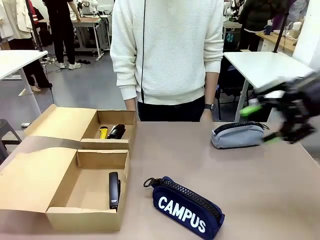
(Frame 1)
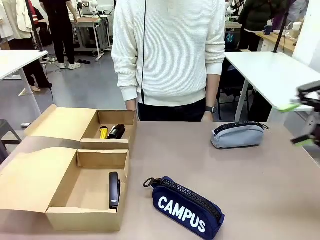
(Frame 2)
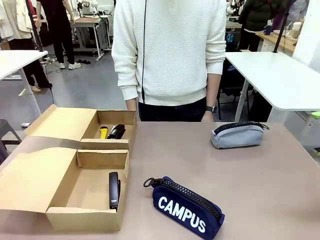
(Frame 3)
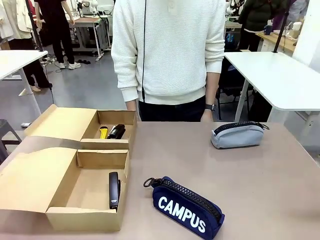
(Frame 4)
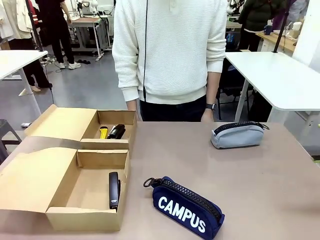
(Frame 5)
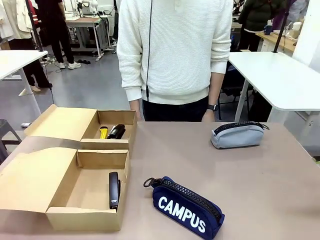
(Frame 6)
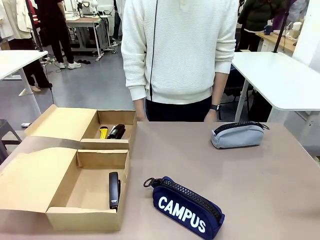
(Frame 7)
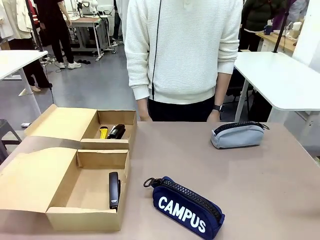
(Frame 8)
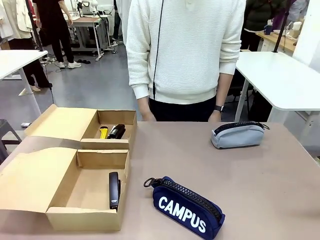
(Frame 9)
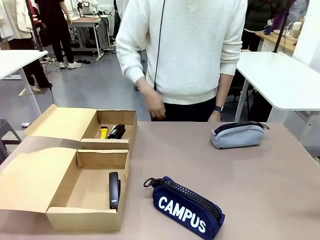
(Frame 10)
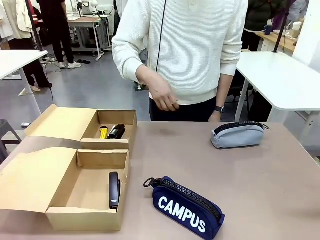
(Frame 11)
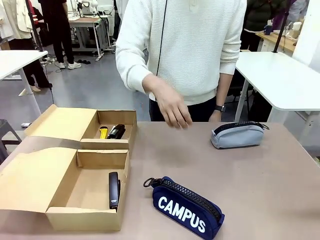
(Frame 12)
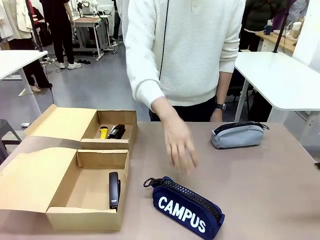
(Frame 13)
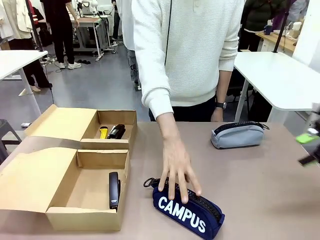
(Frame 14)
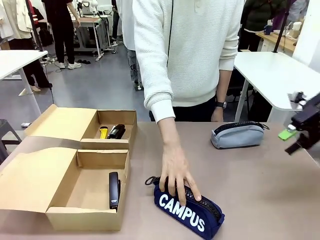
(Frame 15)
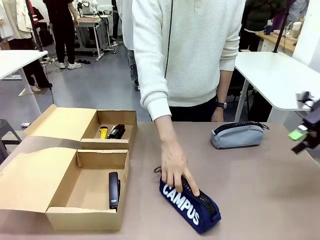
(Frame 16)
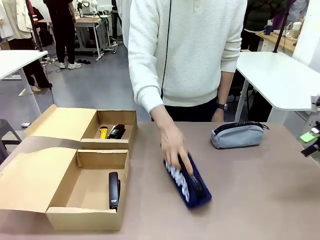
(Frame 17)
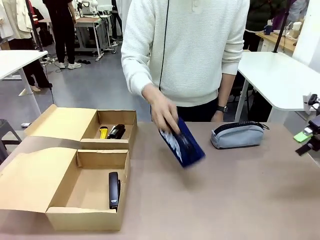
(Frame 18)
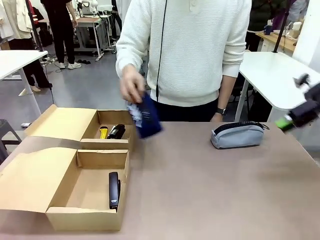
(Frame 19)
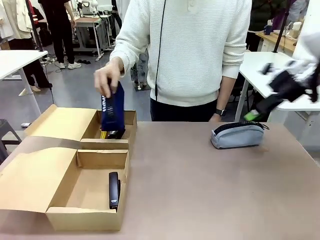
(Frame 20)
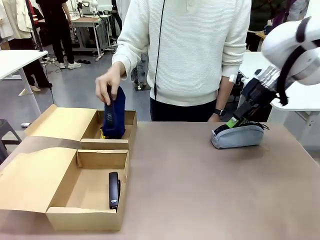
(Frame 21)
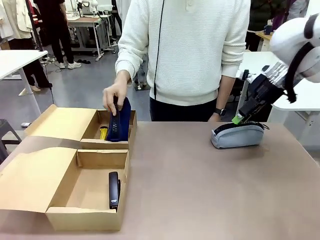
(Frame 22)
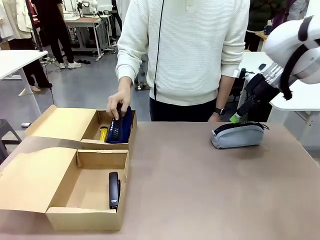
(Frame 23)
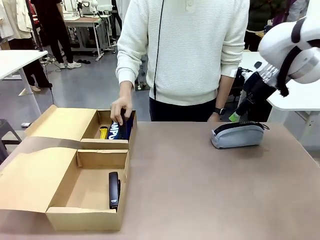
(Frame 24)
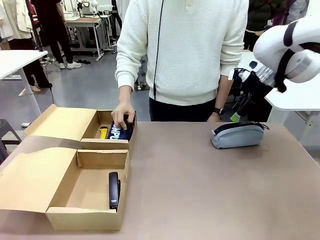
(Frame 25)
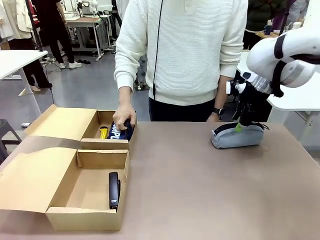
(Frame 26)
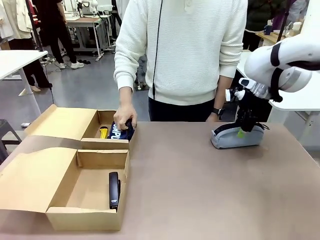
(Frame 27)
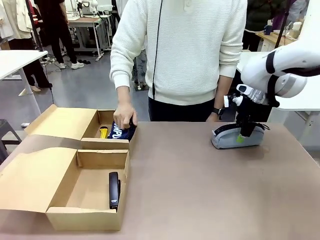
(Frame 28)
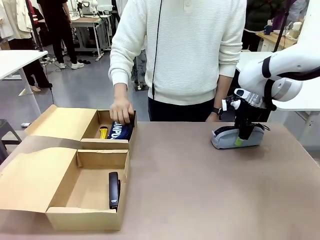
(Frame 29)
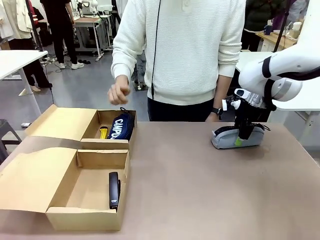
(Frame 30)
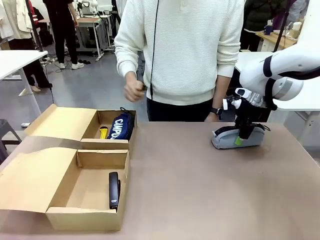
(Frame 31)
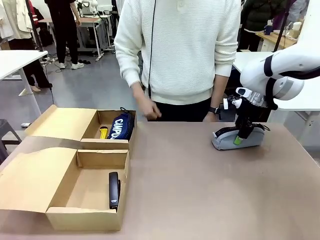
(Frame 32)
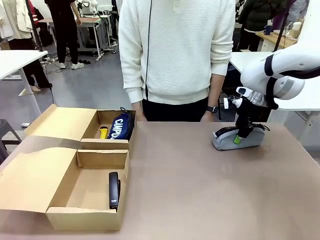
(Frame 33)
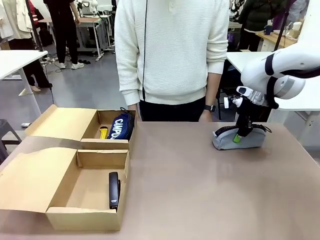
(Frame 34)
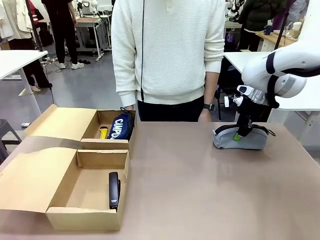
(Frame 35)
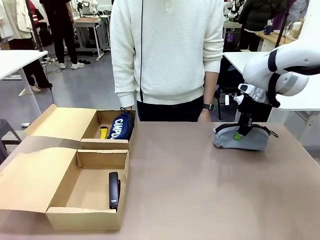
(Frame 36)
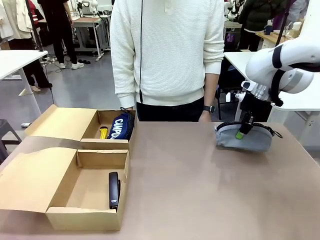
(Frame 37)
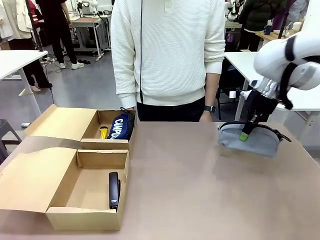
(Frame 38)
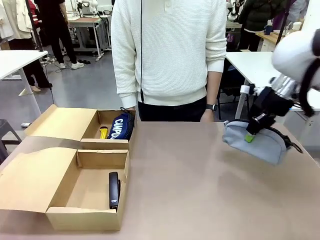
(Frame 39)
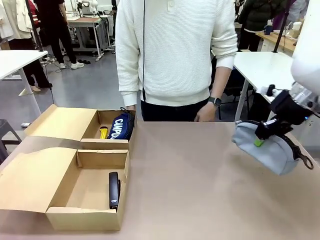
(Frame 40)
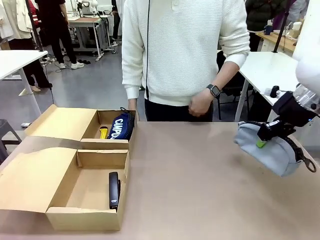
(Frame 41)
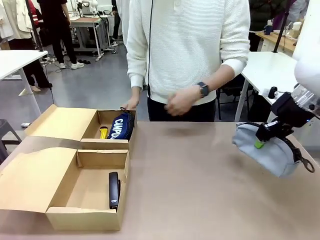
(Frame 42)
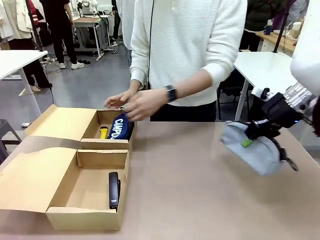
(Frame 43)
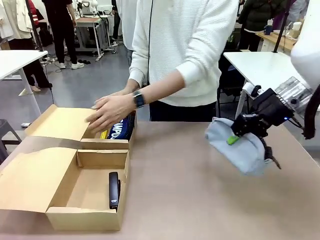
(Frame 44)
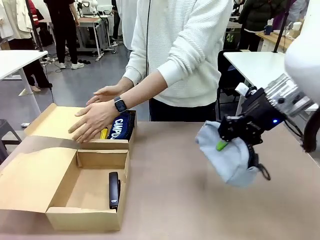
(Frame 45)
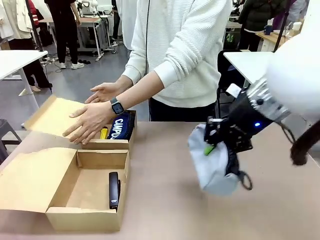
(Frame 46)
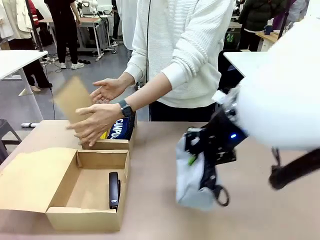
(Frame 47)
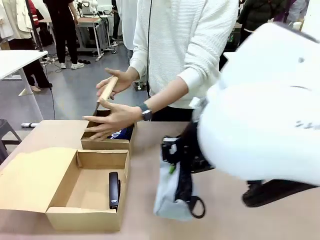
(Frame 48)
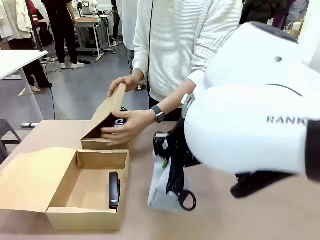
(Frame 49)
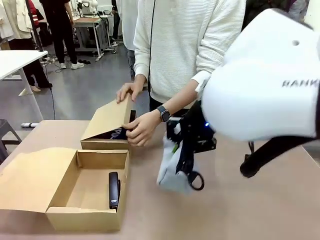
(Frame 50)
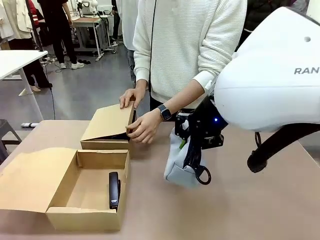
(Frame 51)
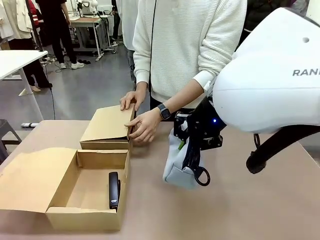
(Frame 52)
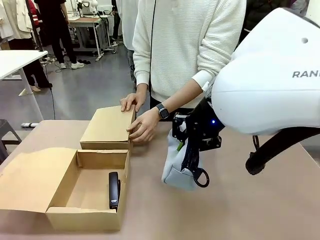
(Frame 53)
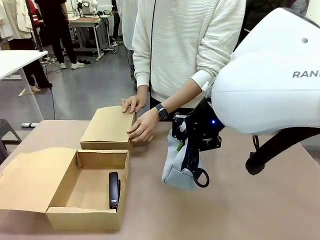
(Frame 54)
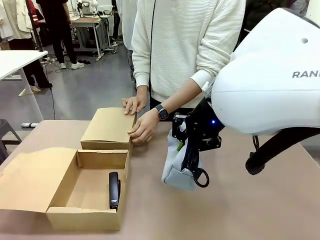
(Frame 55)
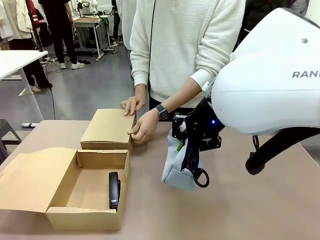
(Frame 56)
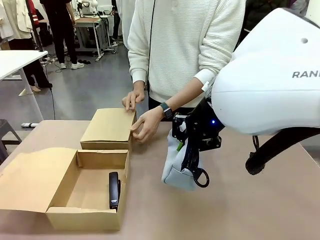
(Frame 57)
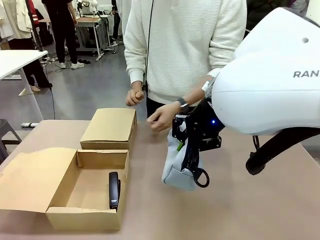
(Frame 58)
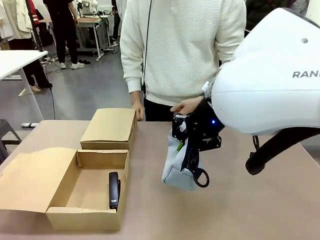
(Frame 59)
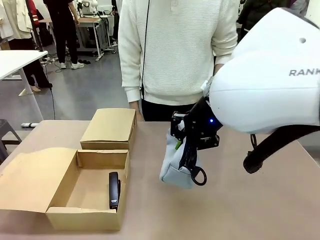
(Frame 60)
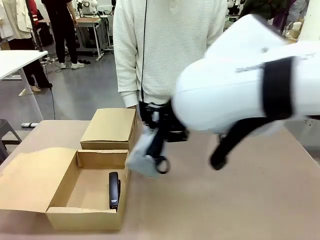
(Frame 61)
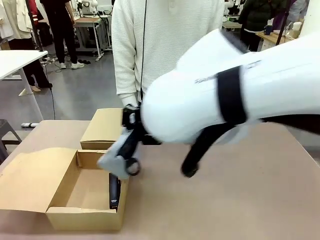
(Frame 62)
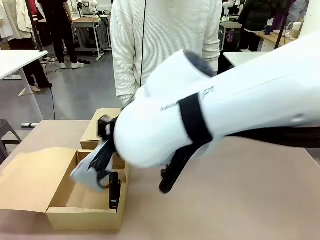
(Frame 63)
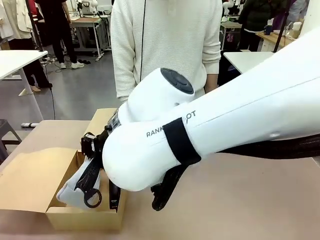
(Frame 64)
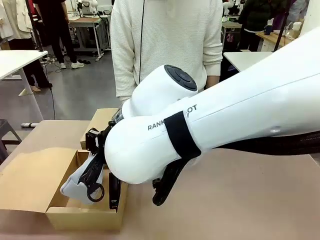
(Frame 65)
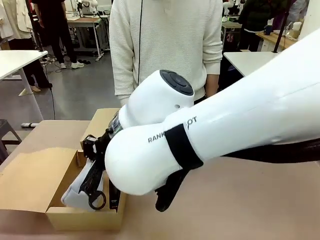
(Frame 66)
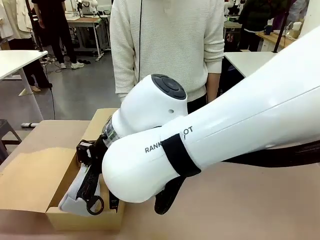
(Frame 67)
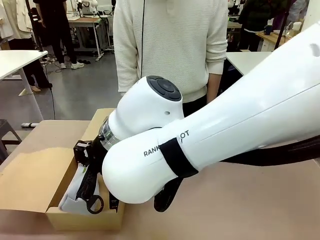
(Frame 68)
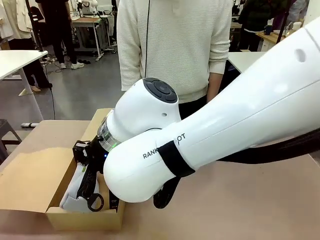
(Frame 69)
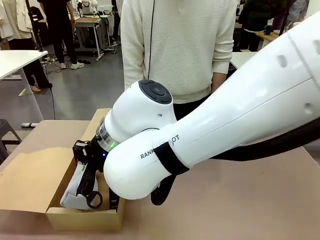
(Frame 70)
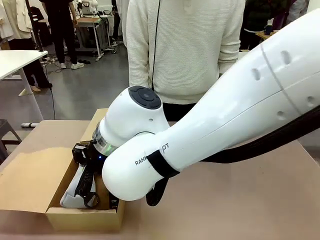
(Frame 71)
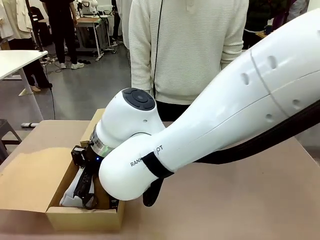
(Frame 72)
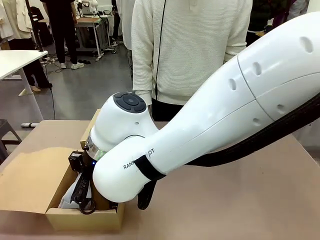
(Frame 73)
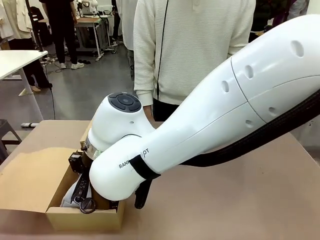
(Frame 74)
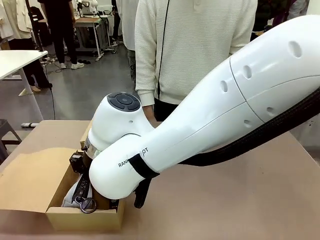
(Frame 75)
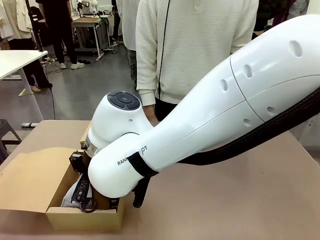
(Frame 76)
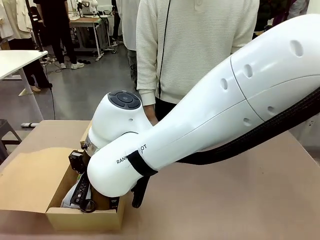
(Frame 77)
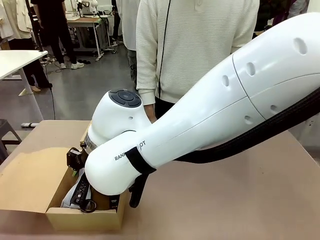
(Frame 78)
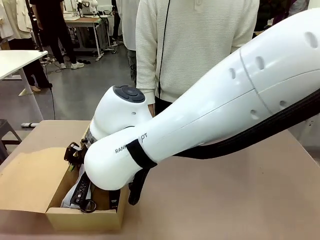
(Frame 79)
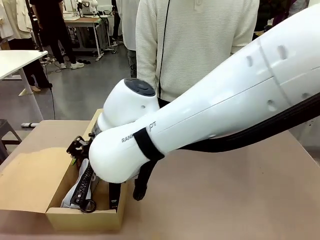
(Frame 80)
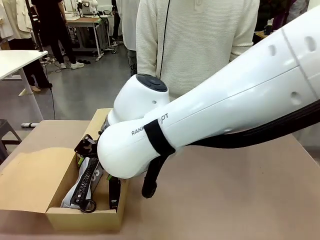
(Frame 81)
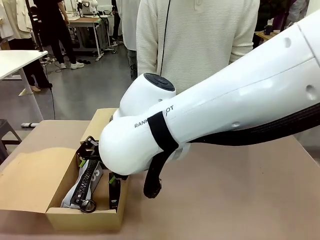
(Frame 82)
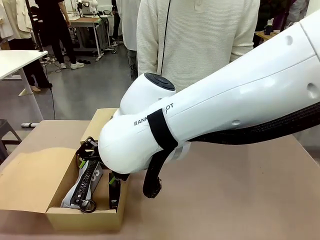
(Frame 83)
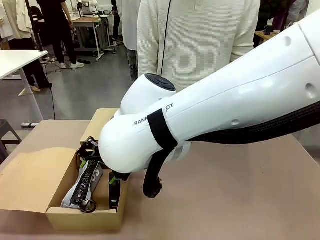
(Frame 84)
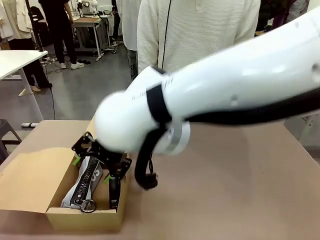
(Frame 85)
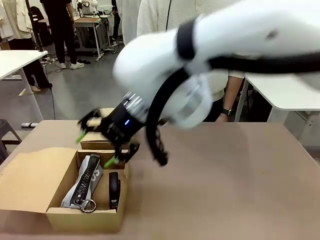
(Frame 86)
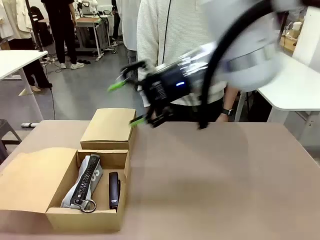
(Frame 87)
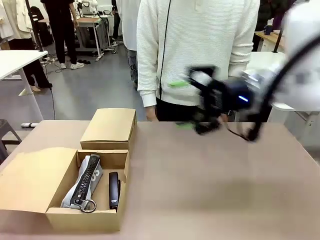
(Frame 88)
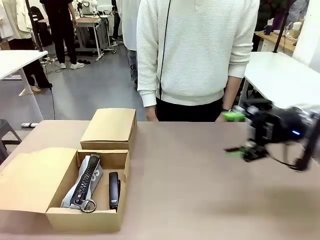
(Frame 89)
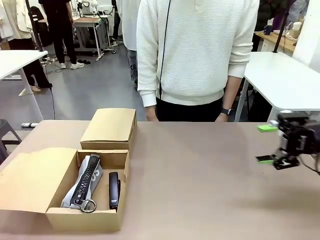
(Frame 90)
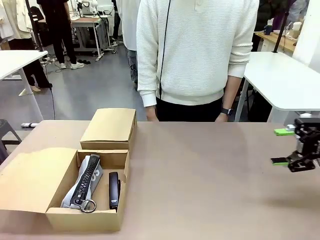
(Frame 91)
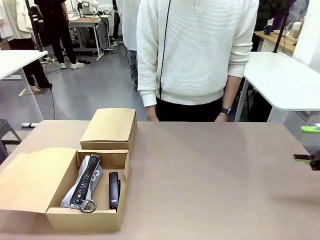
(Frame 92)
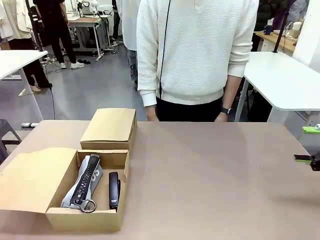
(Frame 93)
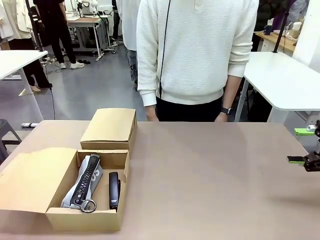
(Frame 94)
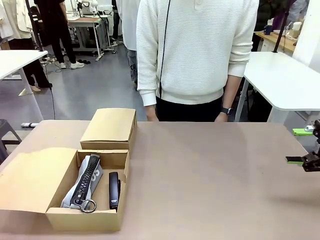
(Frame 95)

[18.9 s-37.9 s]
Task: Place items inside the box.
Robot: Pick up a Pencil pouch or Stapler and place it inside the Mailer Box closest to the robot.
Person: Close the lid of the box facing the person.
